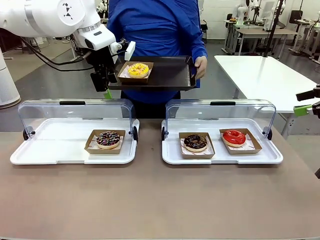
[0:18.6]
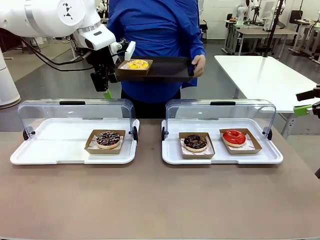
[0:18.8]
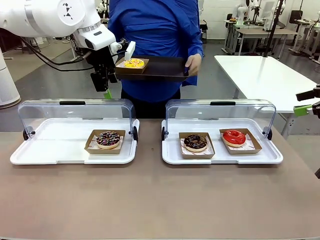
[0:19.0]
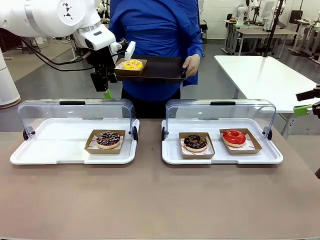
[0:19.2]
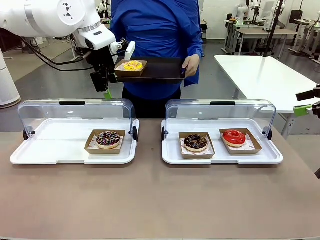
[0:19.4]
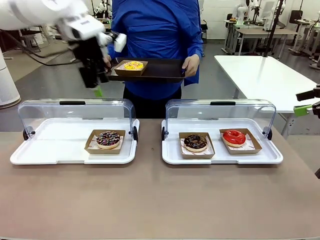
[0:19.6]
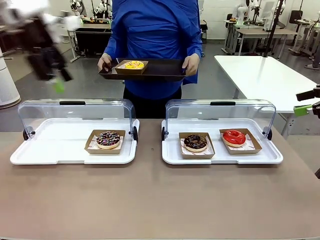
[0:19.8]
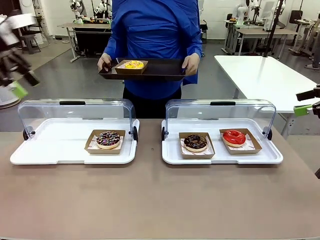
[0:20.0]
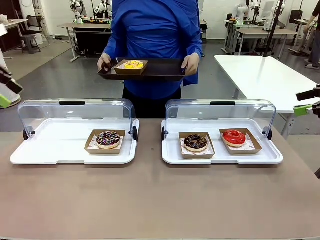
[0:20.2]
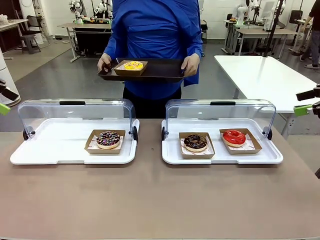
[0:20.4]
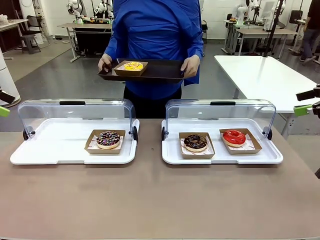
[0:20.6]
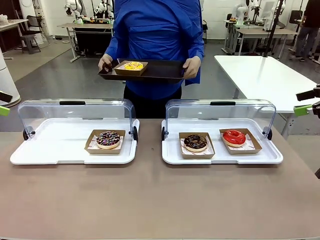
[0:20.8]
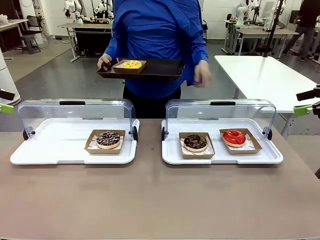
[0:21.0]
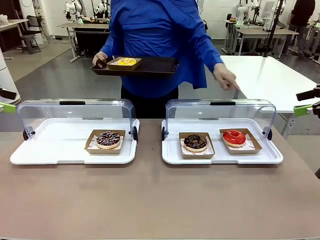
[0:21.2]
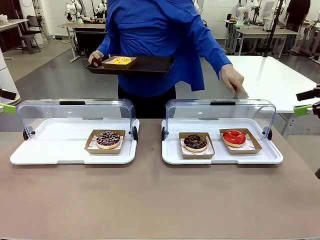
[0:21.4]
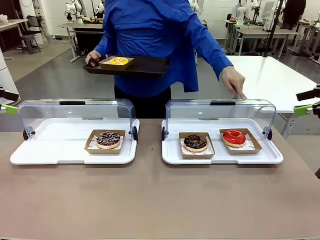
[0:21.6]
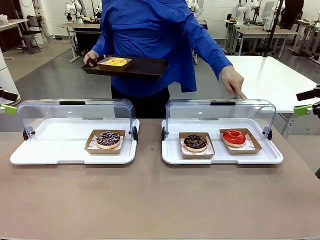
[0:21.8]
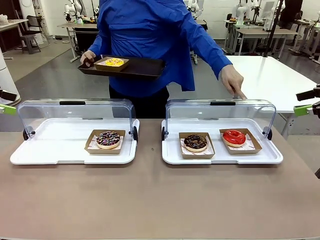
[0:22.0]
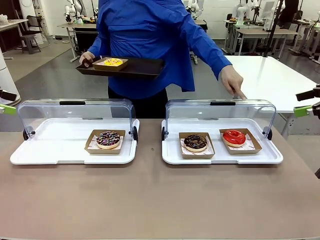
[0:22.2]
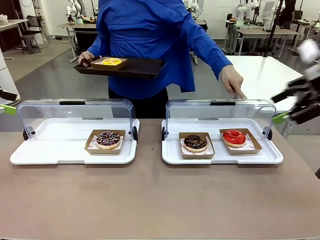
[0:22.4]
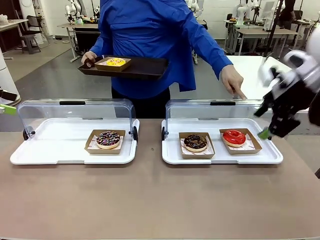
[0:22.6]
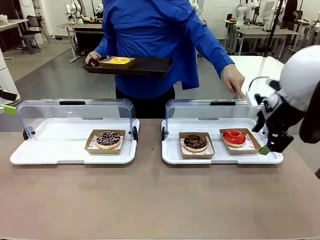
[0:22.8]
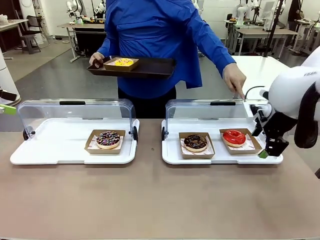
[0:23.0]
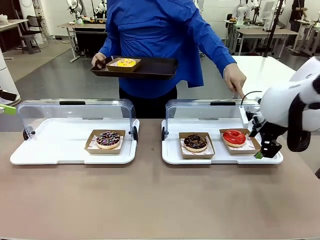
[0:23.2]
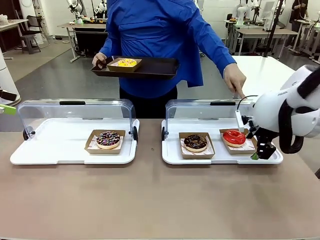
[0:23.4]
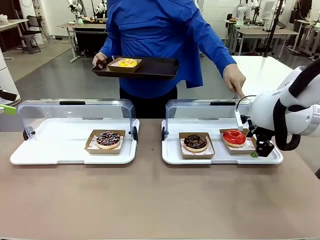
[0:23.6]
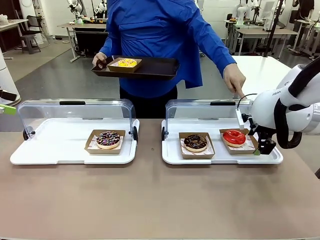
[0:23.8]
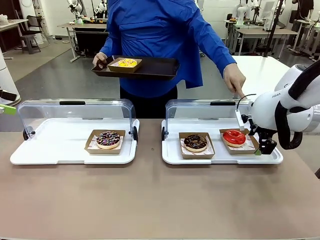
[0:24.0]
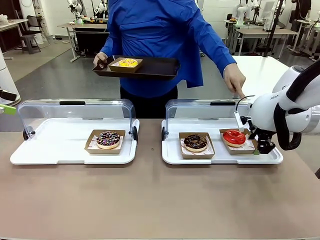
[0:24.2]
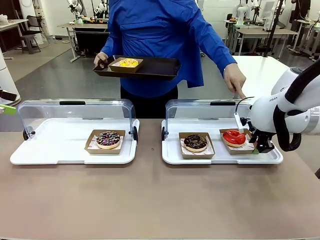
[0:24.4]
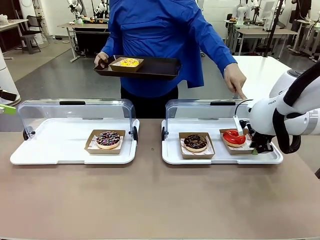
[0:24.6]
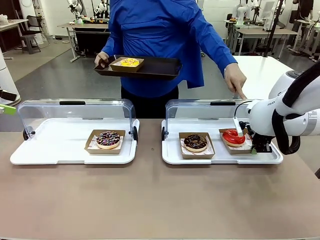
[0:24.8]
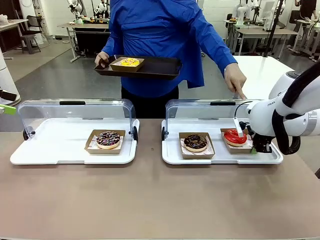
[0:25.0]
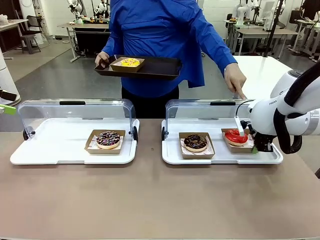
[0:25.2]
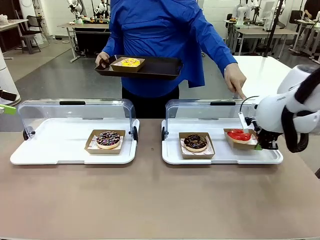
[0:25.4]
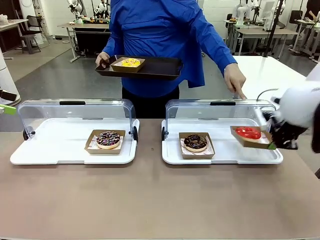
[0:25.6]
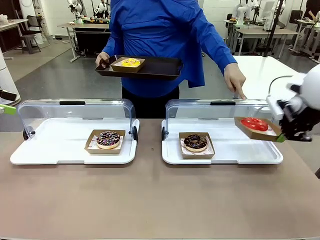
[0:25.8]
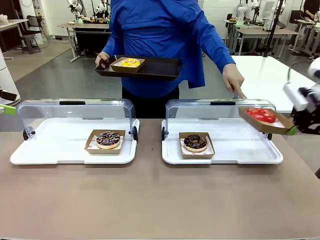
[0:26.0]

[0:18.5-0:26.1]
Task: Provide the desired donut to the person.
Robot: Pick up and lift the Paper togo box containing the Donut pointed at by the person.
Person: Lift the tray onto the Roll-Top Bakery Case.

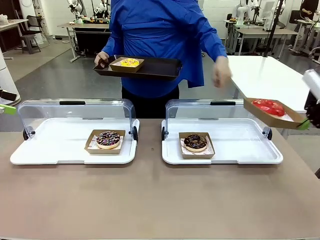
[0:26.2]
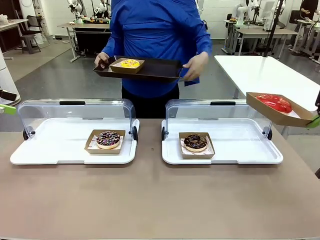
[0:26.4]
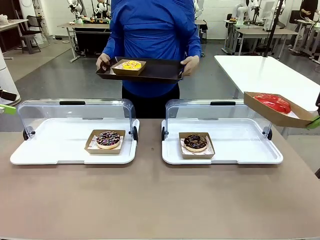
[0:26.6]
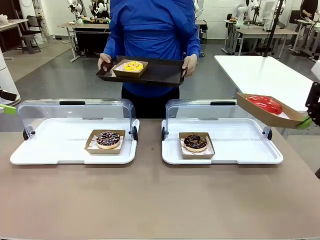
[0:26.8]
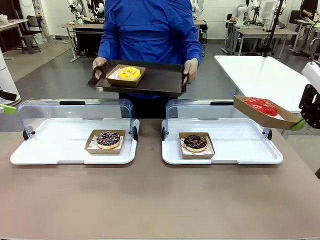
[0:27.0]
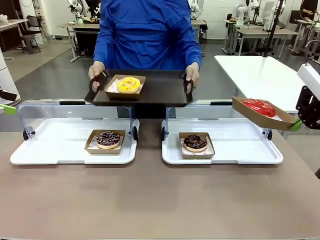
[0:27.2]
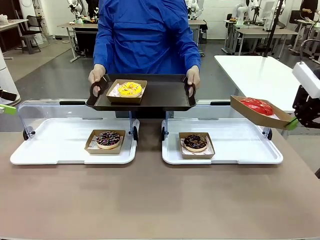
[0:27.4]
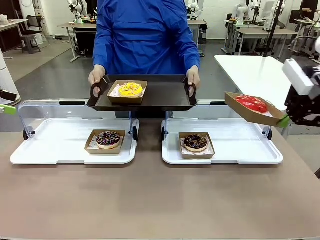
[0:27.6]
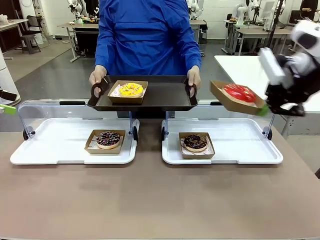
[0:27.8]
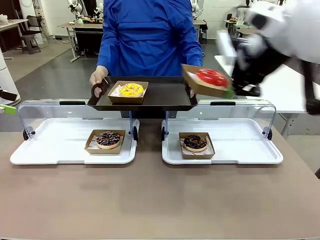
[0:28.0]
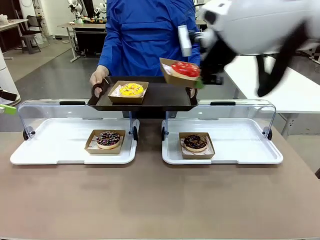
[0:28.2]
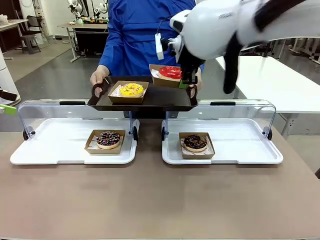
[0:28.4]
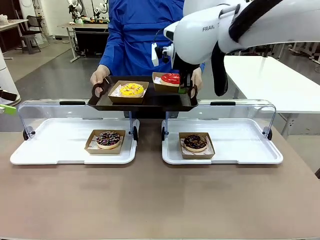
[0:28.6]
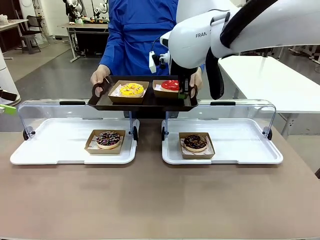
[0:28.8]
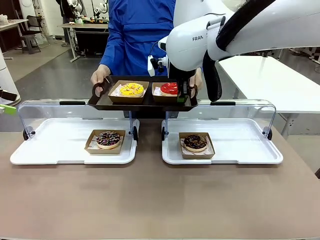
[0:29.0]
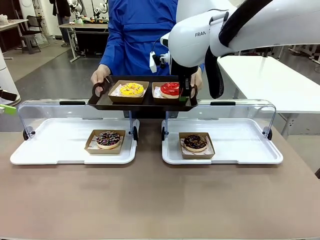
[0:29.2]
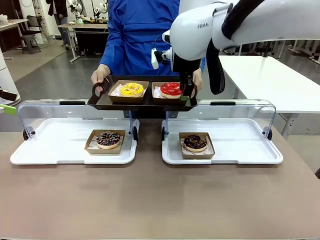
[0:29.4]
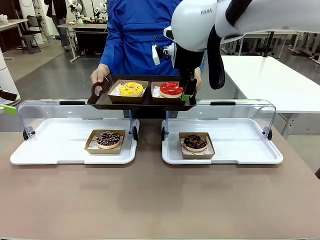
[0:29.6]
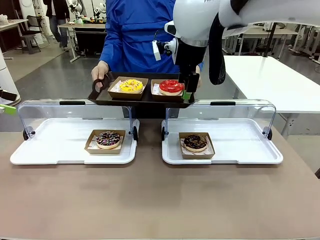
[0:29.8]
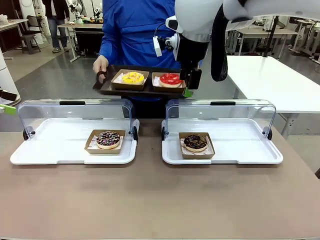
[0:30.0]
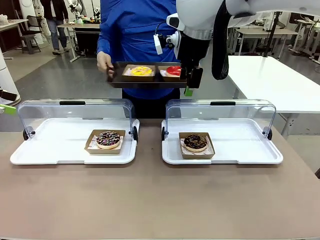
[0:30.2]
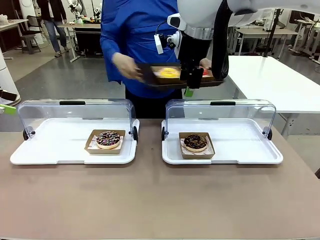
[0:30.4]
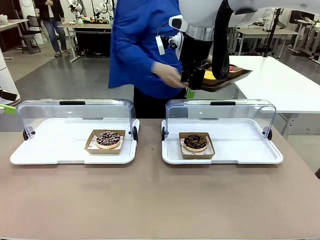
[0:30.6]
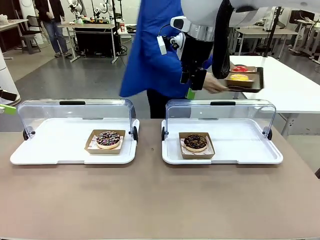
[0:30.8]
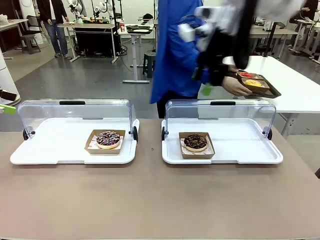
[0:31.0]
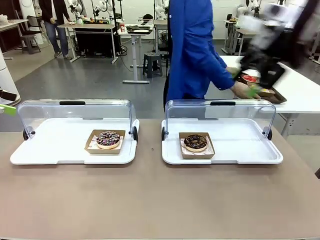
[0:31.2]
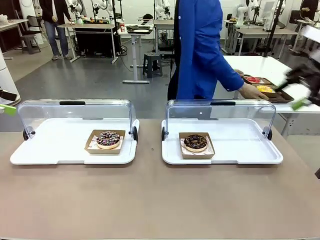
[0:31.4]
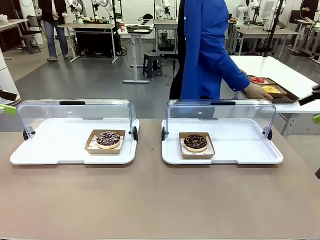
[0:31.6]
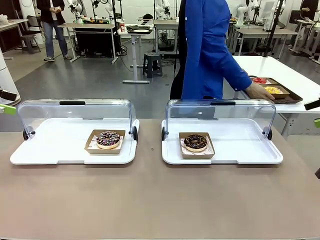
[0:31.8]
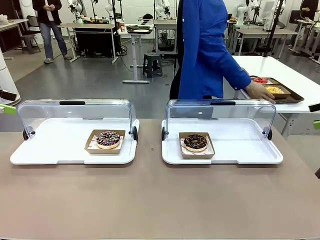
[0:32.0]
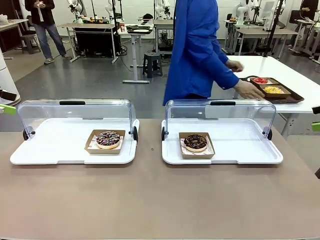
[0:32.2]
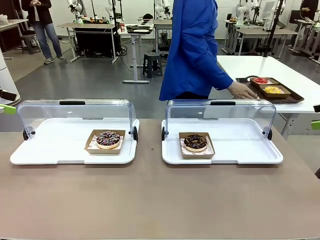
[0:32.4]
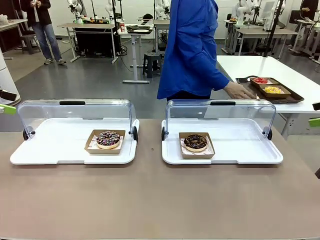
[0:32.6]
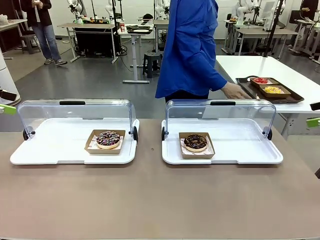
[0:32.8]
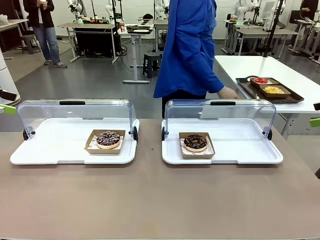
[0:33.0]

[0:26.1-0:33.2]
Robot: Place the picked Paper togo box onto the Handle tray extended by the person.
Person: Place the tray in the middle of the human table.
